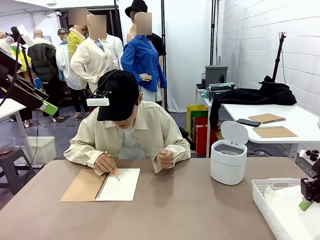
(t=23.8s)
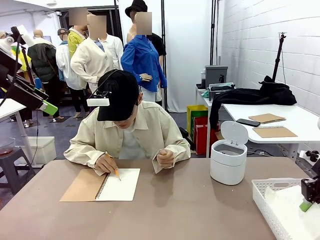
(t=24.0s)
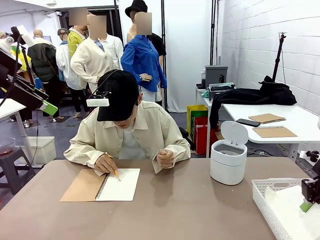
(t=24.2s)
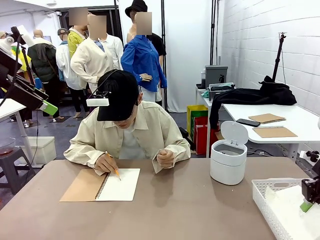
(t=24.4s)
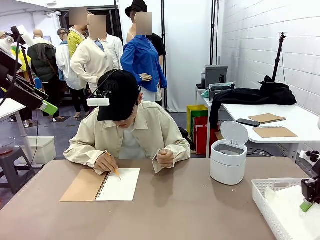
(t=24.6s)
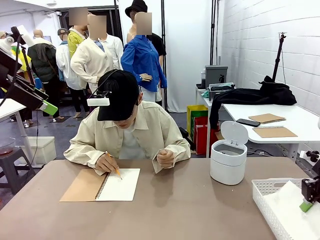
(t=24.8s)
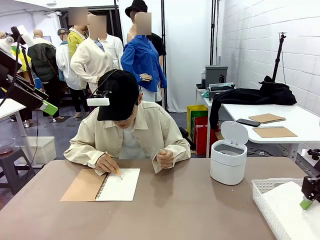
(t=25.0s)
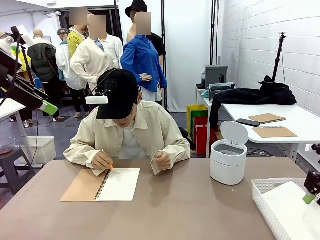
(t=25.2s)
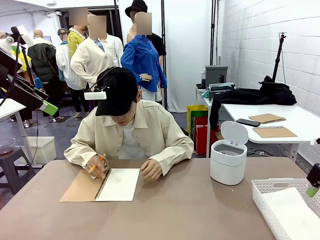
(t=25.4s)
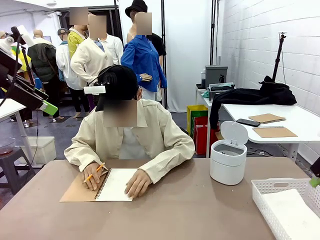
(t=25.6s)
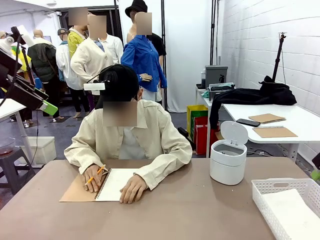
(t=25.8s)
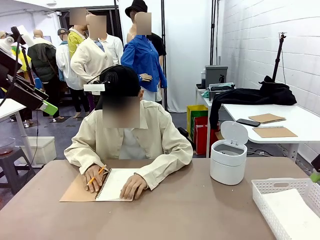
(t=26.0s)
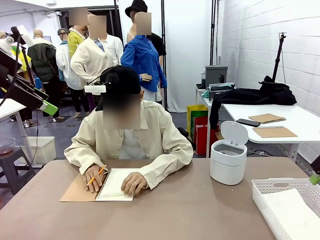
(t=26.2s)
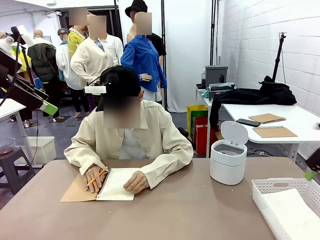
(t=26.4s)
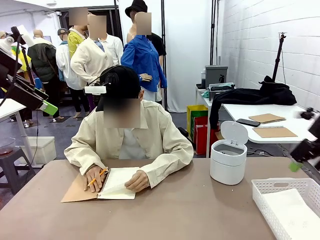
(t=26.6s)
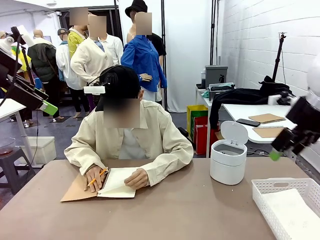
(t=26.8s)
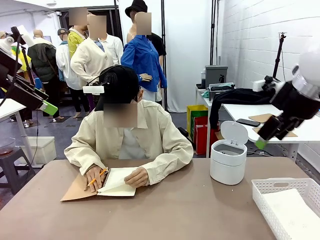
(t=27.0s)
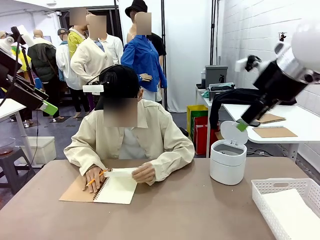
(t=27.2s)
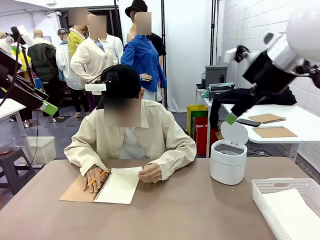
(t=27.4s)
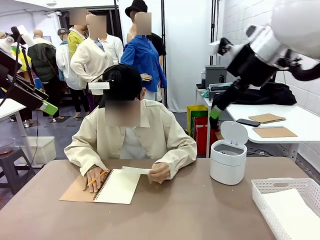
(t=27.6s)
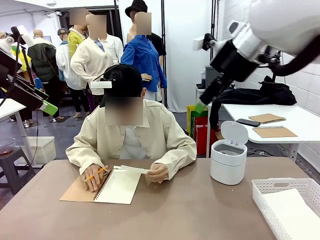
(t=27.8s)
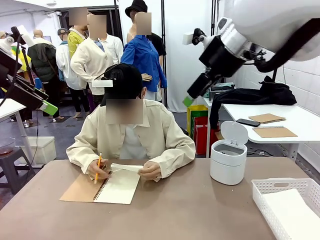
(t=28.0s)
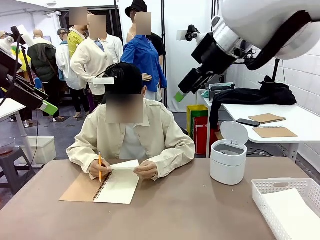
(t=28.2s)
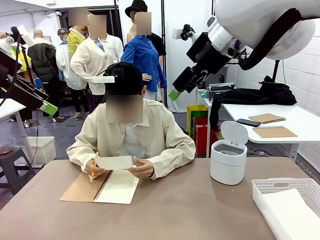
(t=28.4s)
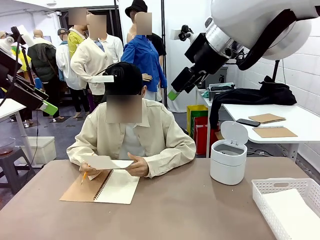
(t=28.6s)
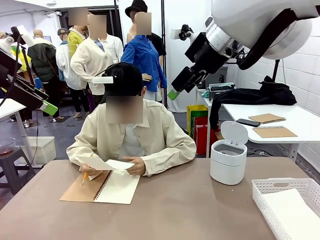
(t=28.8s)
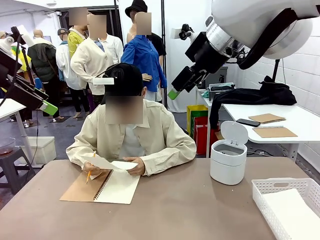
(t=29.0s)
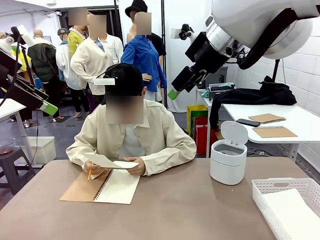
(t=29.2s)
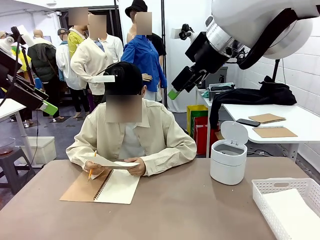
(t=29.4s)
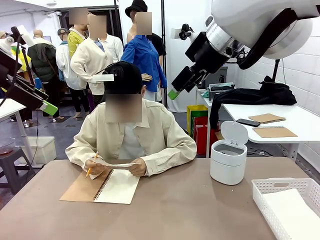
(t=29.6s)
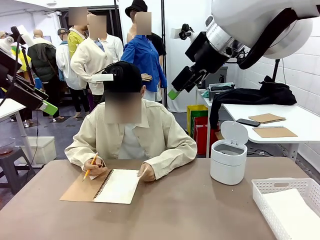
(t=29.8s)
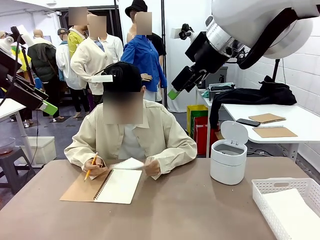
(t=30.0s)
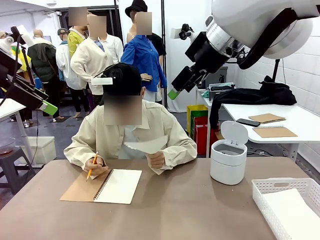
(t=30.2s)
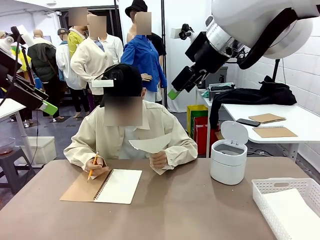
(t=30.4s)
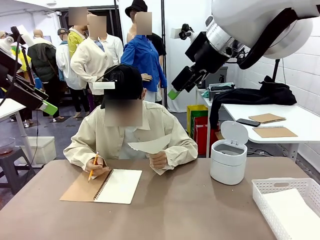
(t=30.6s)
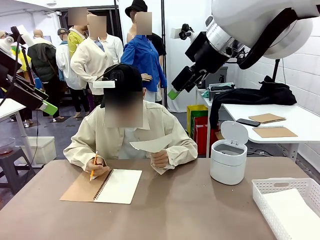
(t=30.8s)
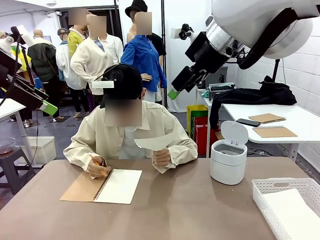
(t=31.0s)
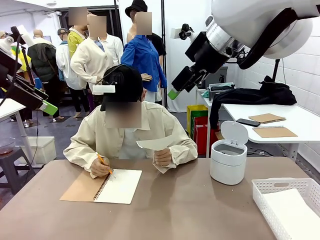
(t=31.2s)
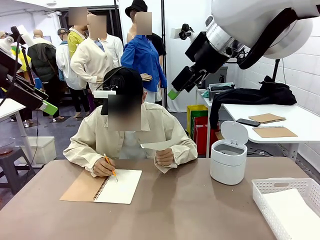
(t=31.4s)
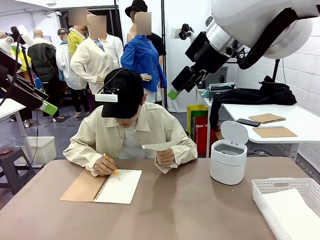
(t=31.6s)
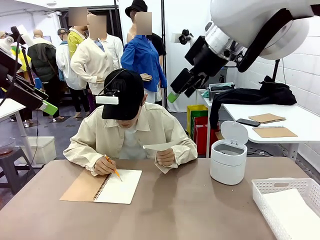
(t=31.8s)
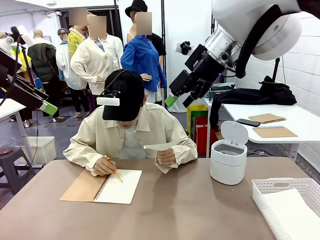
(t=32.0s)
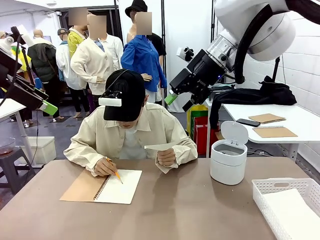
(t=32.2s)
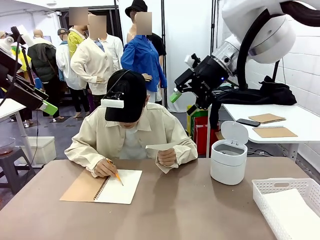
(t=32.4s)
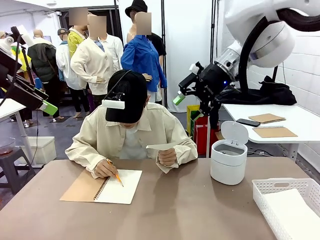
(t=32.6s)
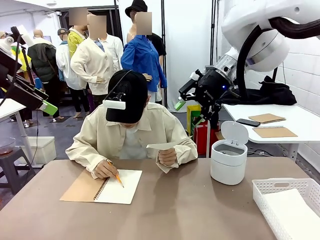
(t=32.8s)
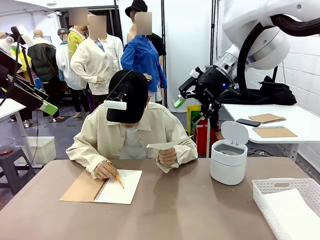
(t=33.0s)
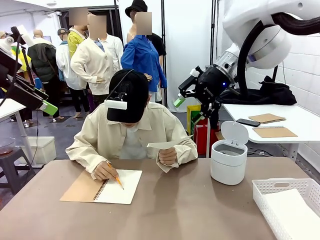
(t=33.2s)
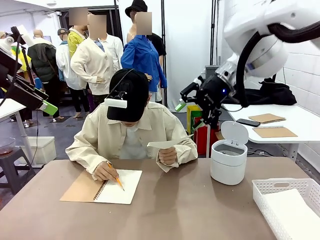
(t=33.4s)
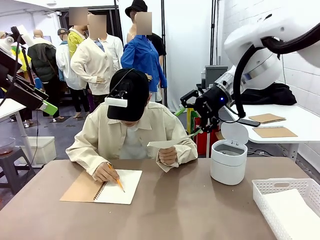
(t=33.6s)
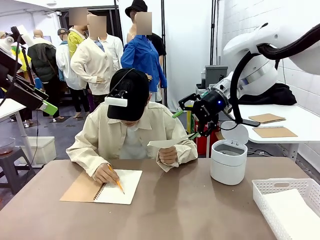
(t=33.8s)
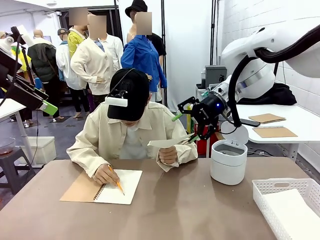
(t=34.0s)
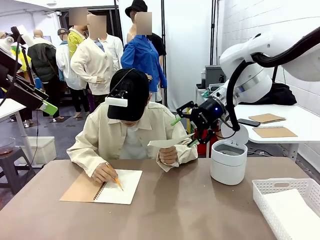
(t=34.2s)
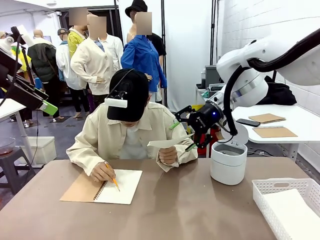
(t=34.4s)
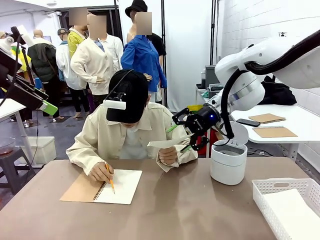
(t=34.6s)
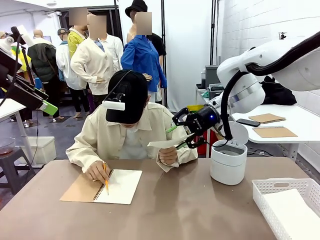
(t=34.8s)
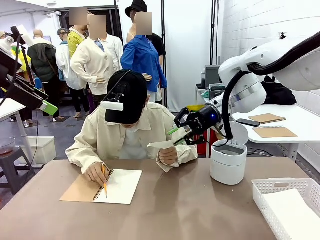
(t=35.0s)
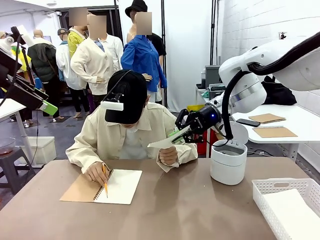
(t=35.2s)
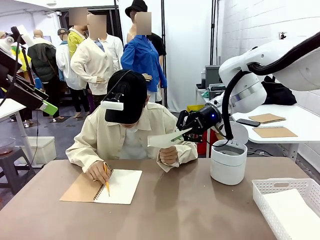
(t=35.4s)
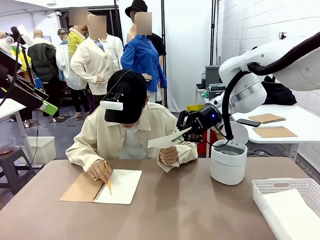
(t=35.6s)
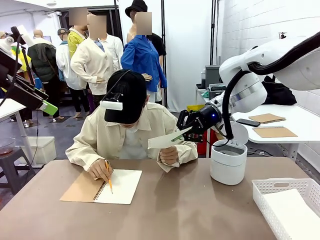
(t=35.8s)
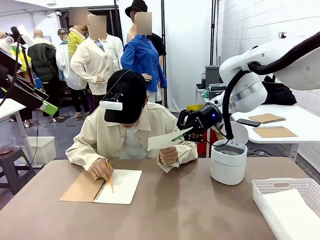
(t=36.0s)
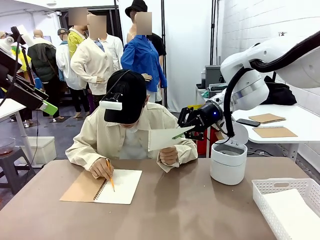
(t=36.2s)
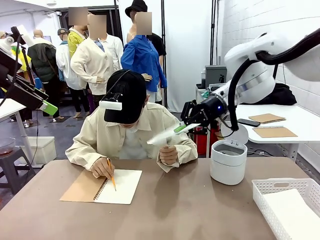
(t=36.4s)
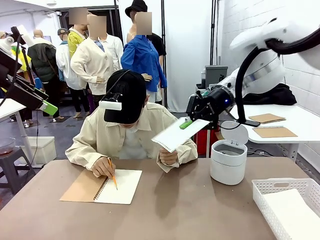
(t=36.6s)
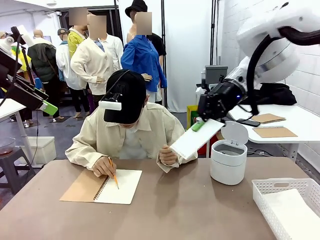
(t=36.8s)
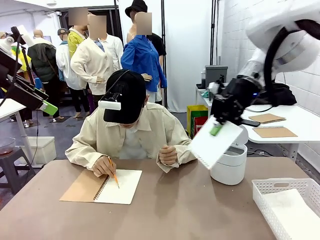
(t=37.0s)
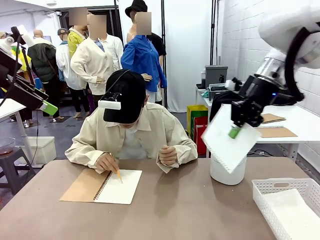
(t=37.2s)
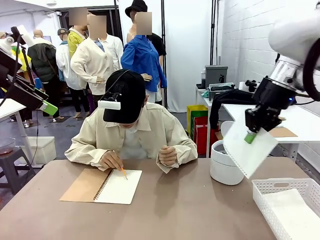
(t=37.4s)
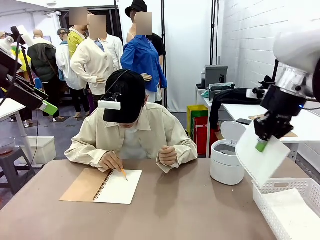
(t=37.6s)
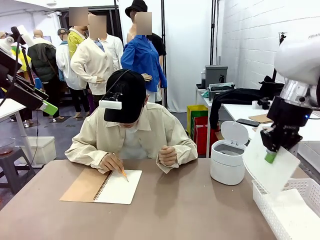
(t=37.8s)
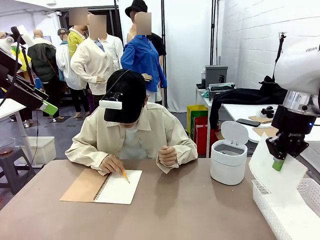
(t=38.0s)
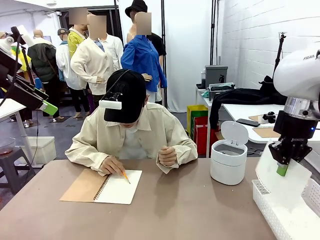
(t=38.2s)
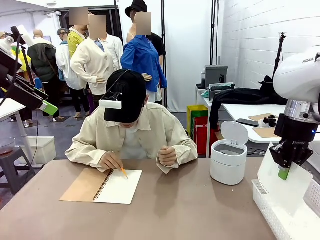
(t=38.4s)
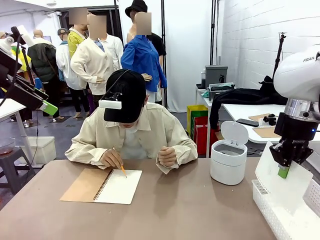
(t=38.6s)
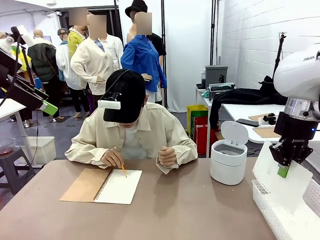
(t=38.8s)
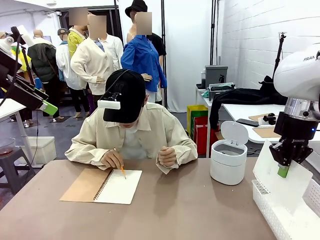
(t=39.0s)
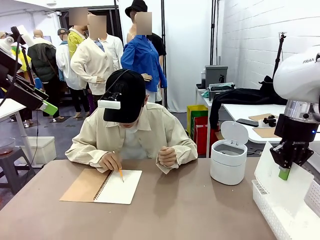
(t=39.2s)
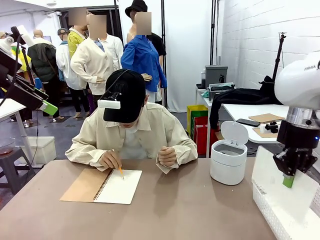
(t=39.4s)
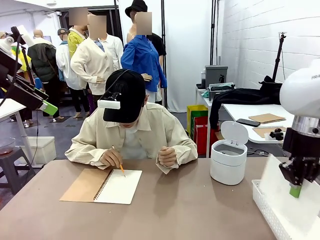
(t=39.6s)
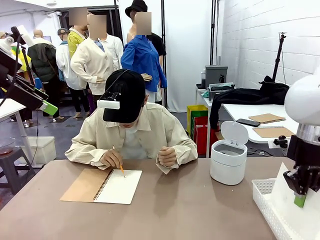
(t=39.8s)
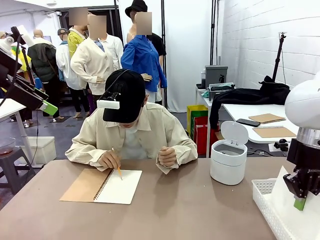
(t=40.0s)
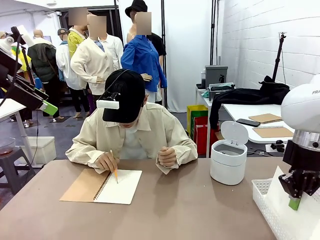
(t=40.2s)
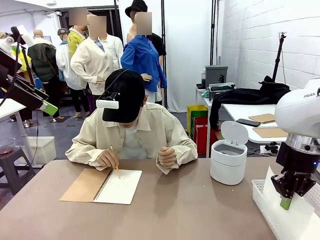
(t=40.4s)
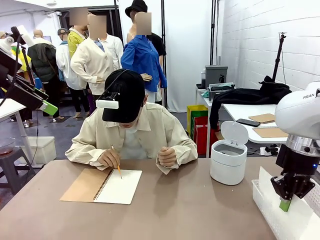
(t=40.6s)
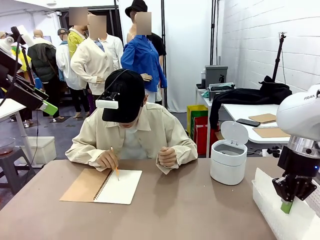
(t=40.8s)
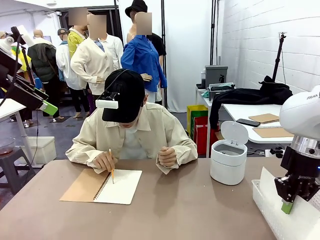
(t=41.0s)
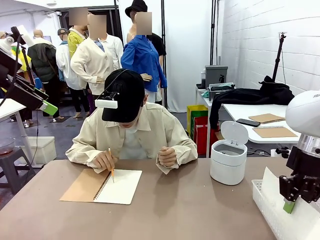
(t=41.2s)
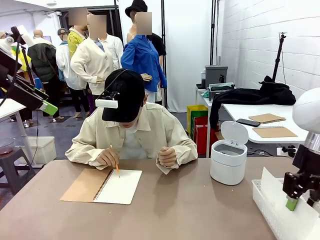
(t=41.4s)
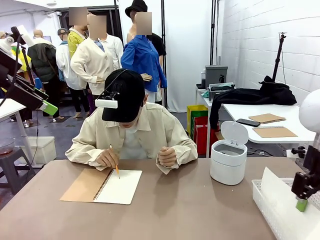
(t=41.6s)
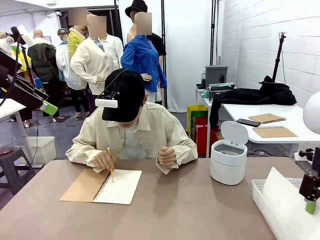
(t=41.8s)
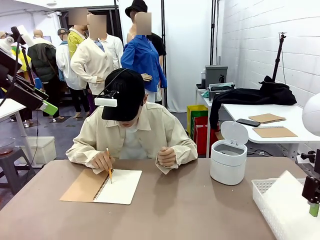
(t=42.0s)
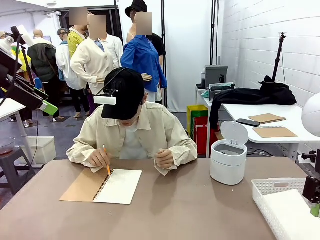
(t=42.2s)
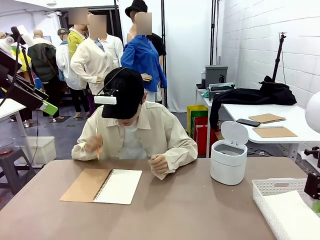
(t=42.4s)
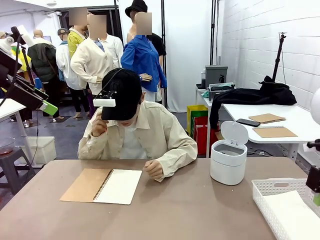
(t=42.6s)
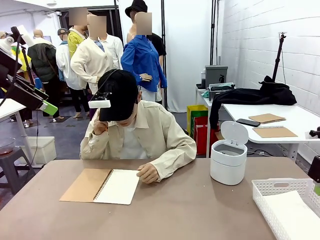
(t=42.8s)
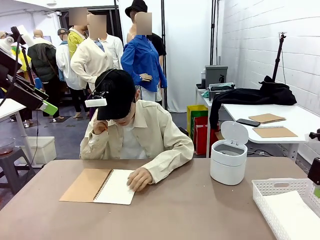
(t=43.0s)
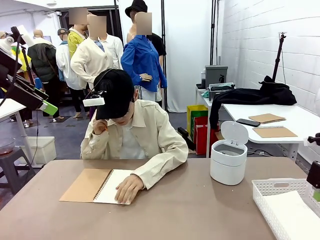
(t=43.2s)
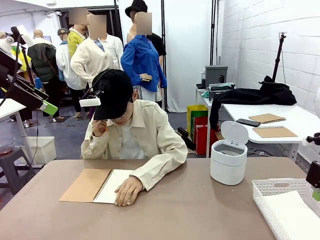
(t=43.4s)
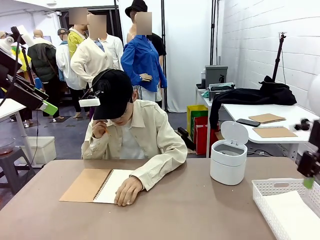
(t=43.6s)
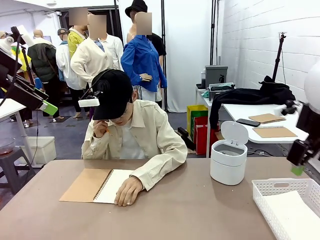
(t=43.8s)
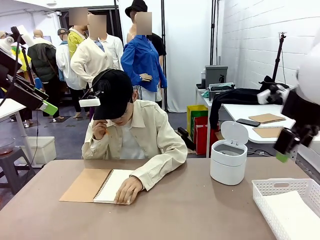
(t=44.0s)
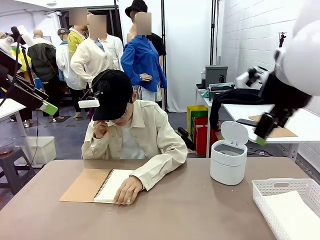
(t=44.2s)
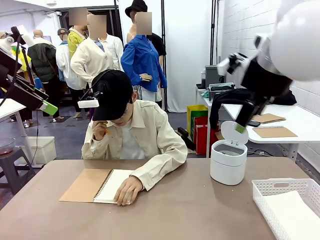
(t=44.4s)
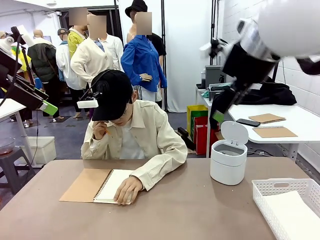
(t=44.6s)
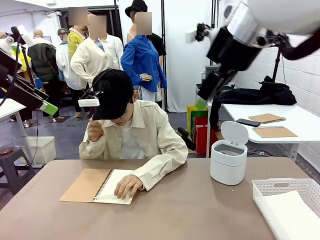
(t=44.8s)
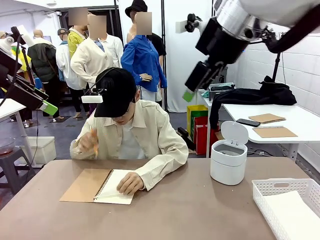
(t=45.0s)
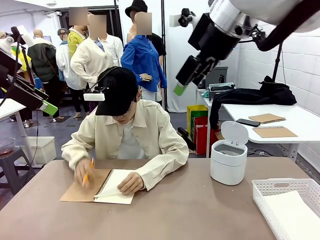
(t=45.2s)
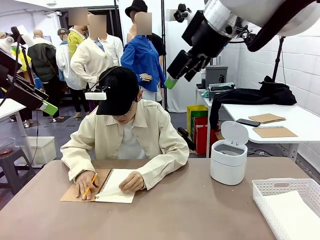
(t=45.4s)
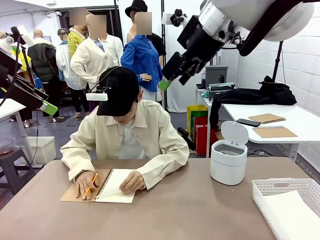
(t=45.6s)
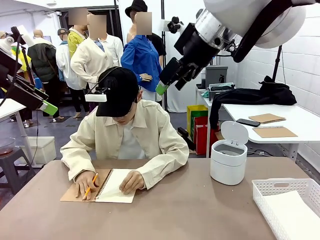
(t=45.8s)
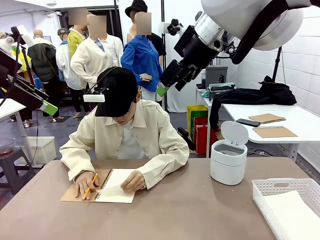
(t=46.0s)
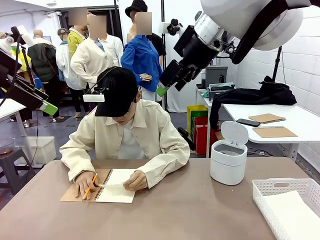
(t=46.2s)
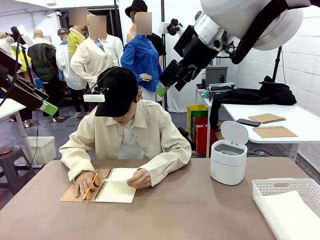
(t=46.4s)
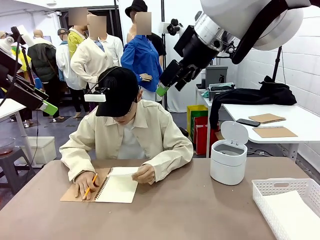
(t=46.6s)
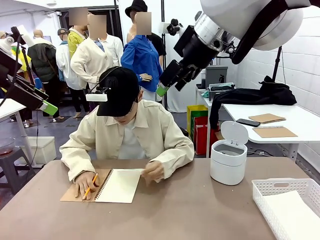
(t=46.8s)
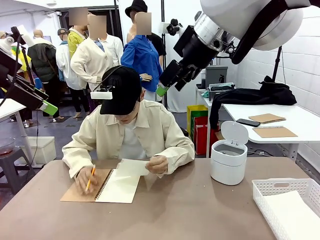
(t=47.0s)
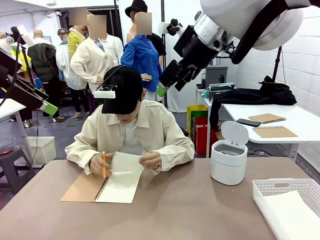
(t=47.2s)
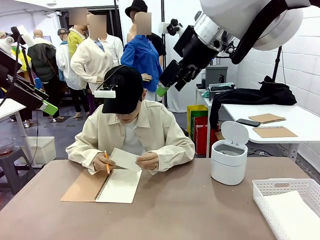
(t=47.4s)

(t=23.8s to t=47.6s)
Task: Sort the paper based on its condition.
Robot: If a person hands you a paper, place it in the Organizing basket , and if it's crumpled, put it in the Trash can.
Person: Hand the torn page to the robot or crumple it and throw it to the center of the table. Tear out a page from the spiral notebook.
